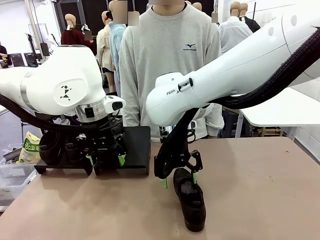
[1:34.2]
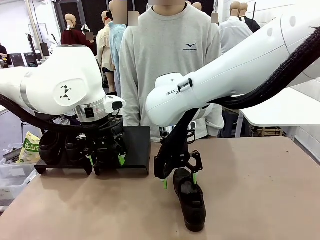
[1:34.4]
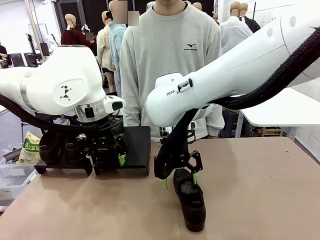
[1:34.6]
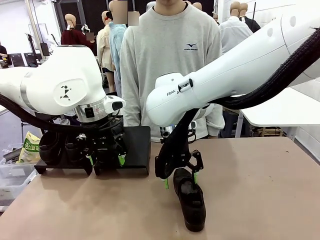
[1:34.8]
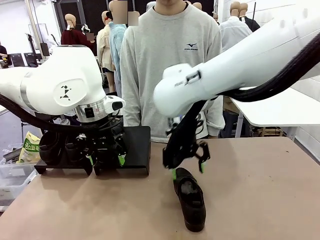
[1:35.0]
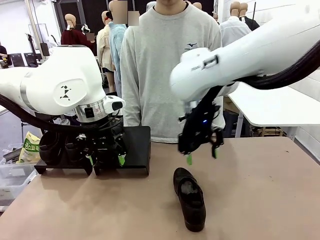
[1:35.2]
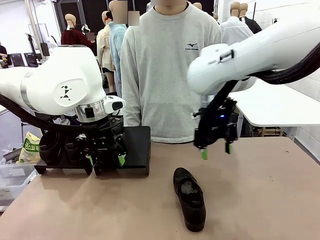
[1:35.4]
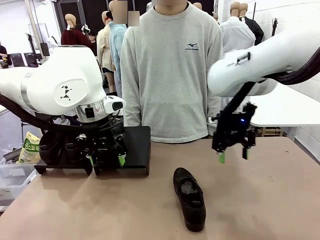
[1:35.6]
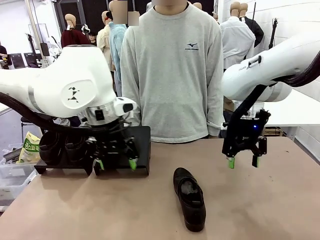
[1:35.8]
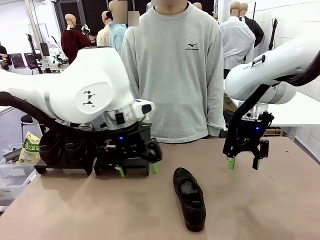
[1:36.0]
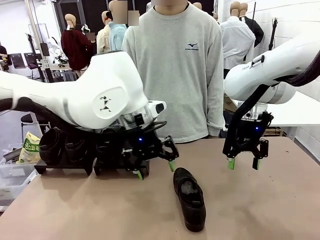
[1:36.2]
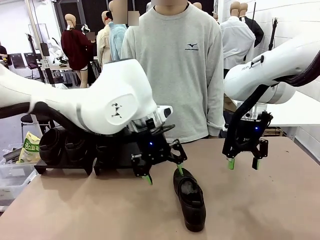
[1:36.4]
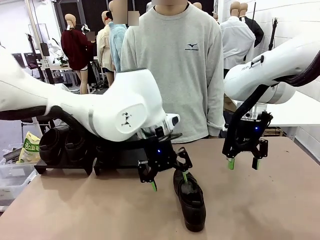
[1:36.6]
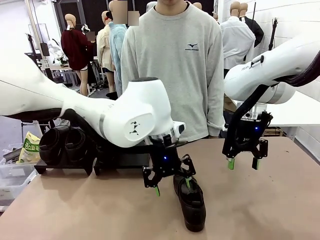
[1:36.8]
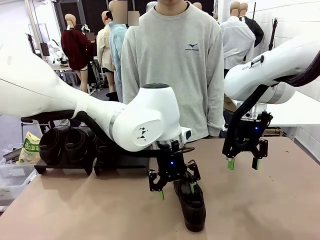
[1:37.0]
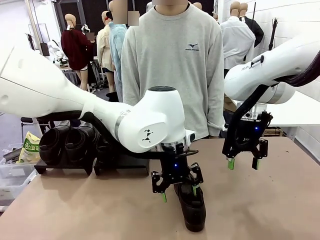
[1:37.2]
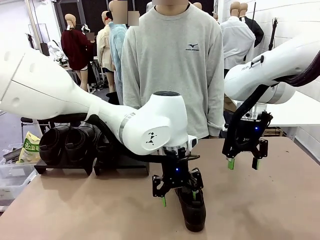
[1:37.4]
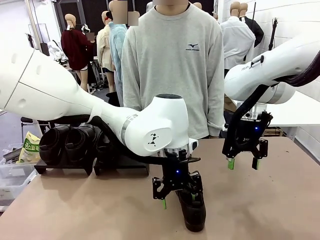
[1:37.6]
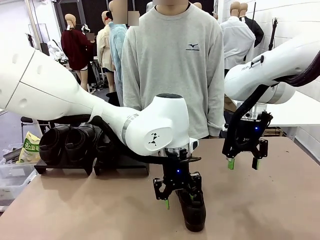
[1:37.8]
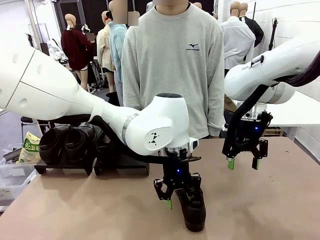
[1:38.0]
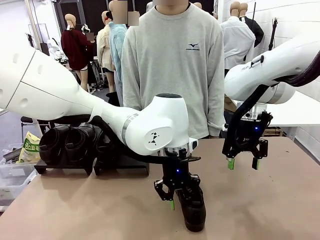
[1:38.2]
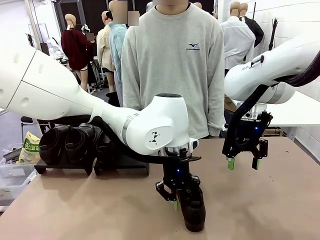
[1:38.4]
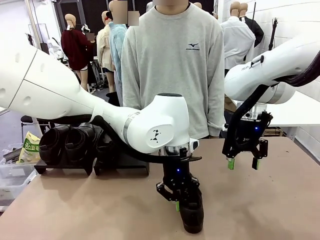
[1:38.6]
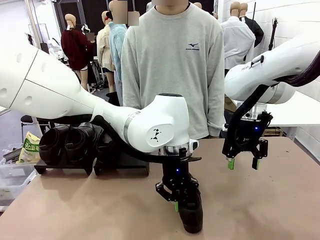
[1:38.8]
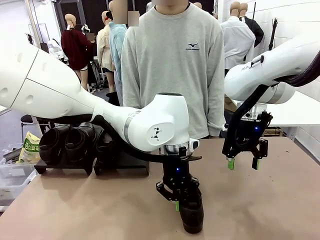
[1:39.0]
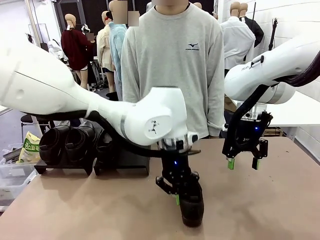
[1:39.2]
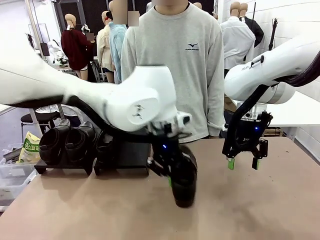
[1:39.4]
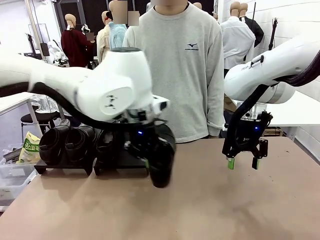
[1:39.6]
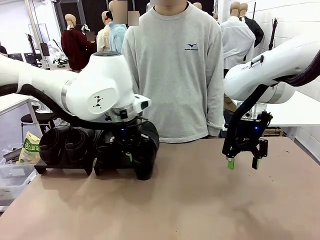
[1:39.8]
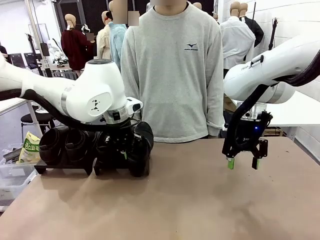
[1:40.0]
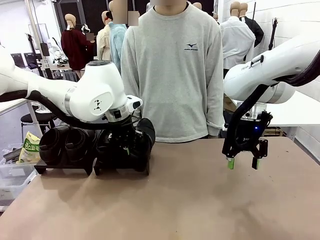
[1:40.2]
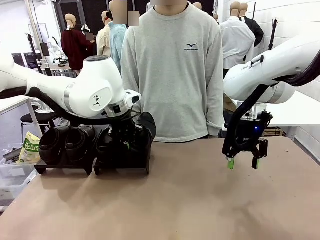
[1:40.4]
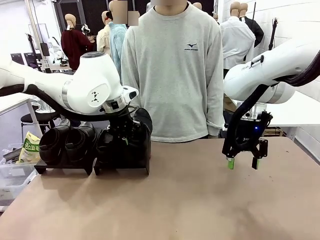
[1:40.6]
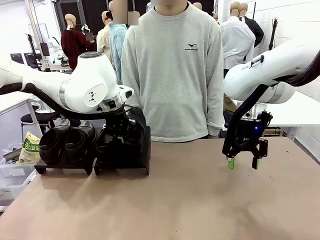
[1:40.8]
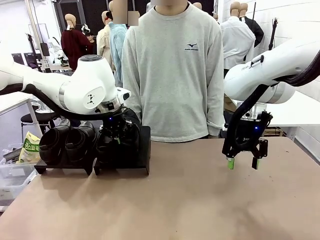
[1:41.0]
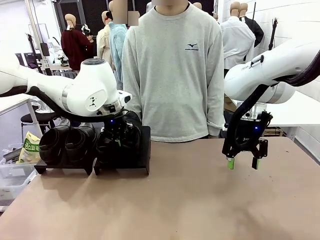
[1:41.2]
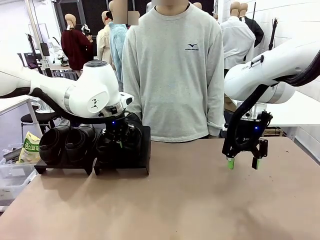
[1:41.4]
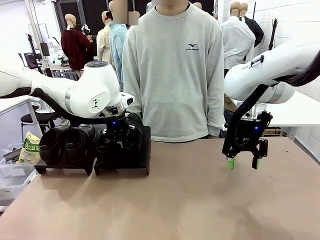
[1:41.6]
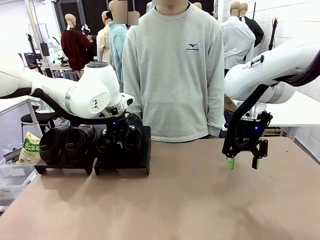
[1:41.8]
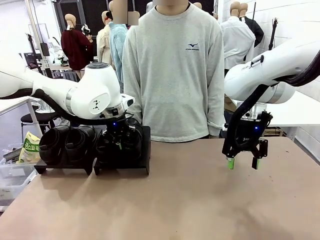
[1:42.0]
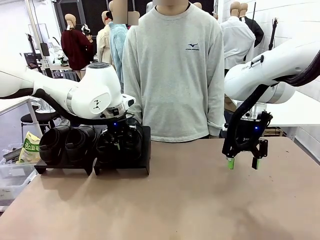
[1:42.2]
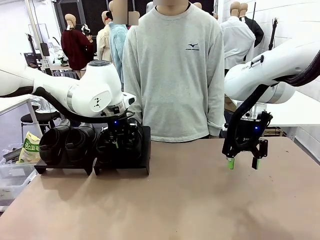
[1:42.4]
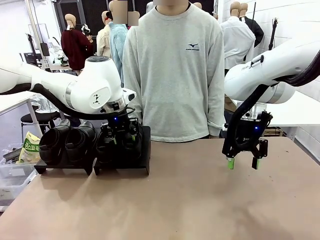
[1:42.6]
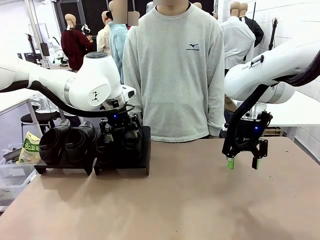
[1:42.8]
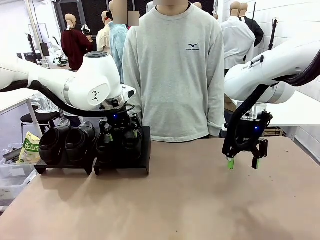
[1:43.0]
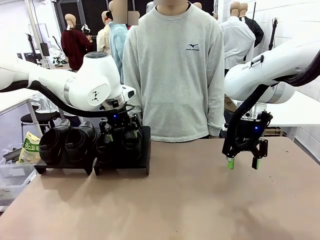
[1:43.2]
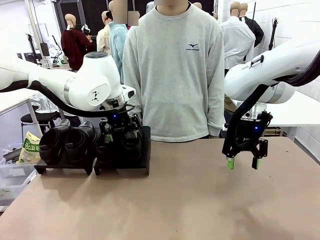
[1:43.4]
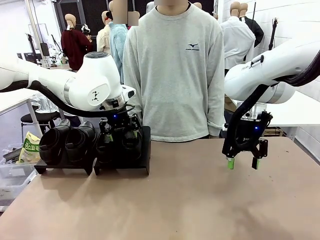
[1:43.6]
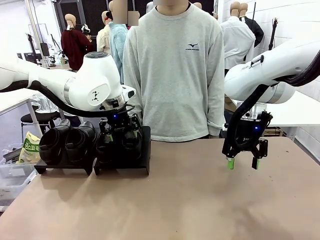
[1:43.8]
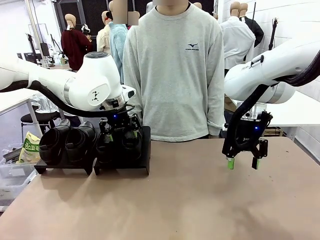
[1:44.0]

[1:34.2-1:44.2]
Task: Organize the shoes by placing them on the stand.
Robot: Place the Shoe from the middle of the table onto the Shoes Stand.

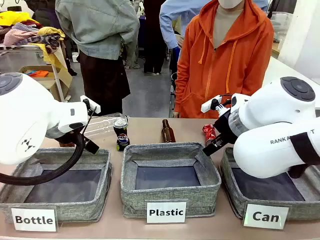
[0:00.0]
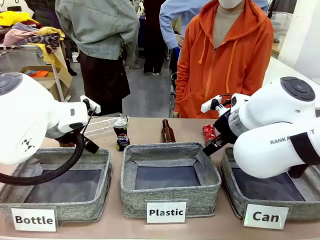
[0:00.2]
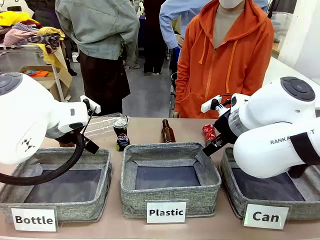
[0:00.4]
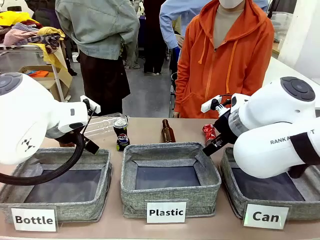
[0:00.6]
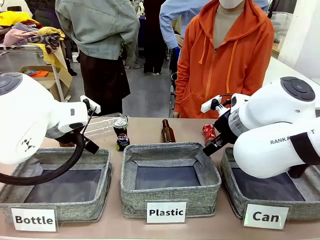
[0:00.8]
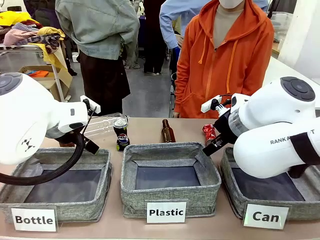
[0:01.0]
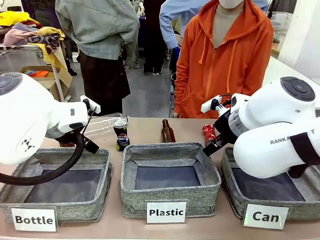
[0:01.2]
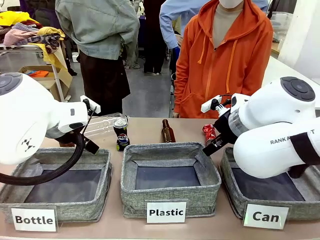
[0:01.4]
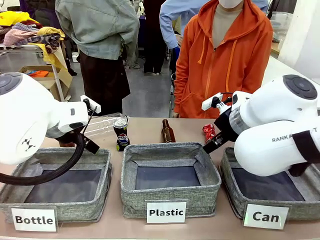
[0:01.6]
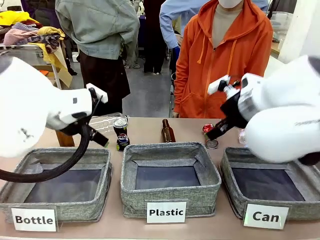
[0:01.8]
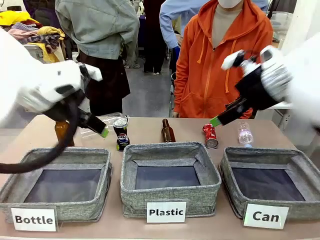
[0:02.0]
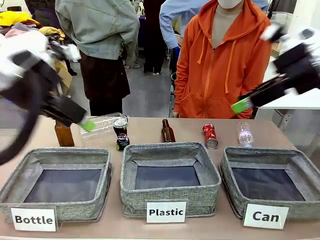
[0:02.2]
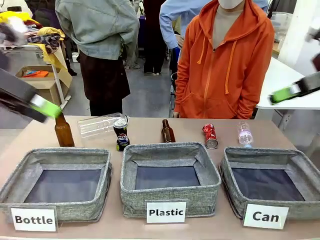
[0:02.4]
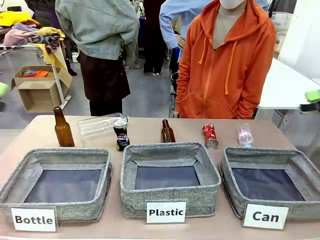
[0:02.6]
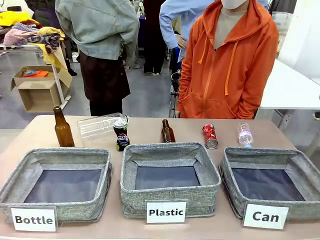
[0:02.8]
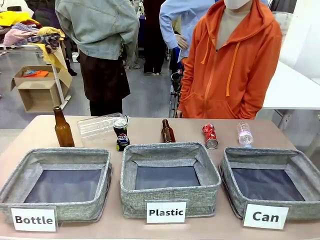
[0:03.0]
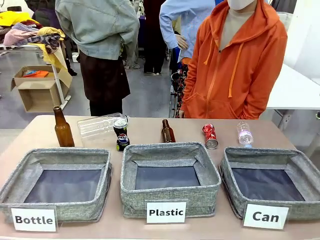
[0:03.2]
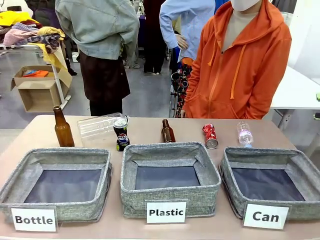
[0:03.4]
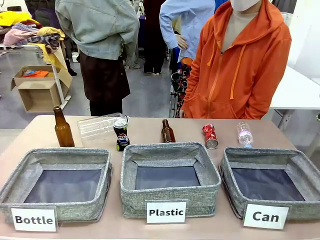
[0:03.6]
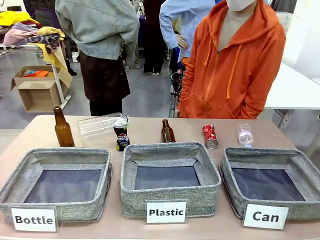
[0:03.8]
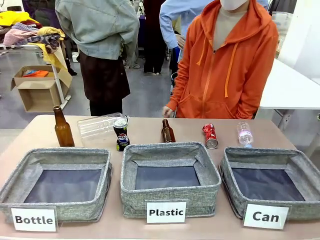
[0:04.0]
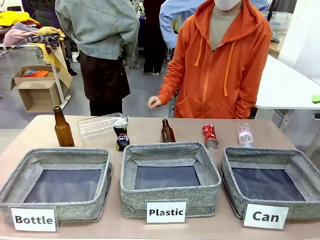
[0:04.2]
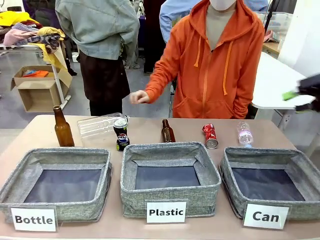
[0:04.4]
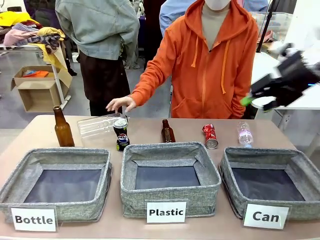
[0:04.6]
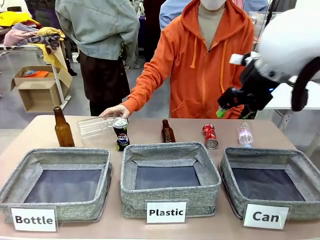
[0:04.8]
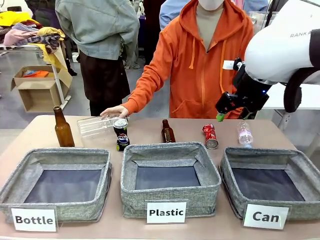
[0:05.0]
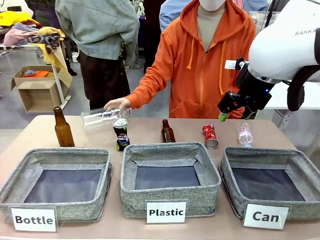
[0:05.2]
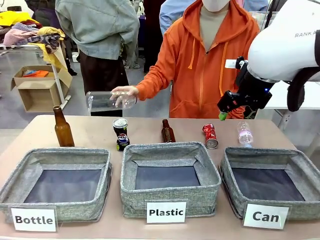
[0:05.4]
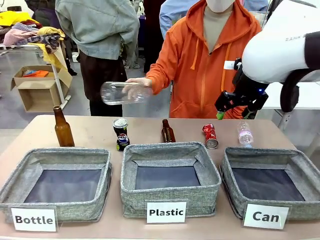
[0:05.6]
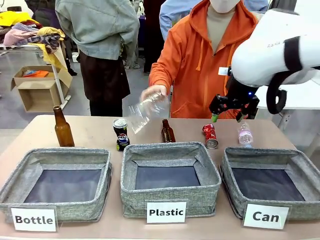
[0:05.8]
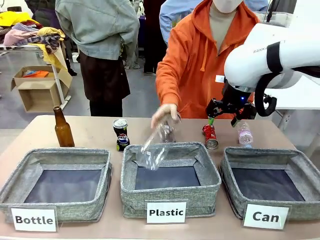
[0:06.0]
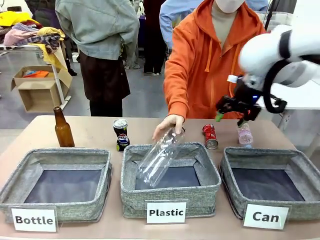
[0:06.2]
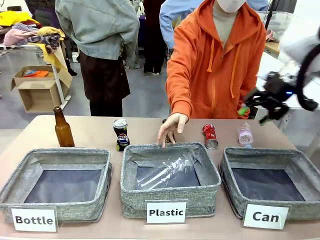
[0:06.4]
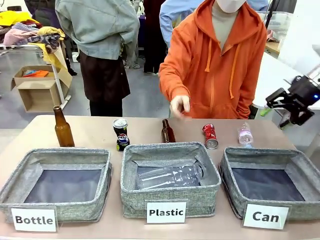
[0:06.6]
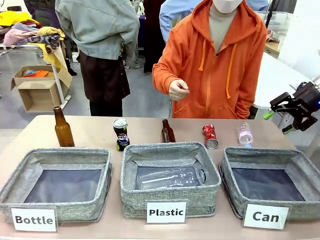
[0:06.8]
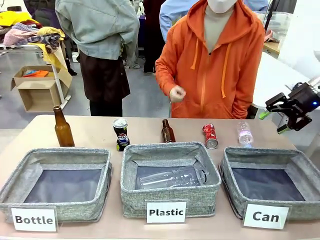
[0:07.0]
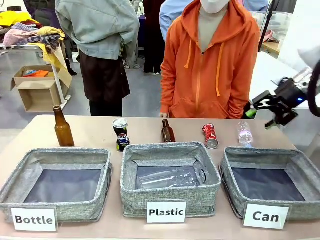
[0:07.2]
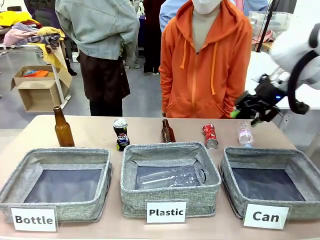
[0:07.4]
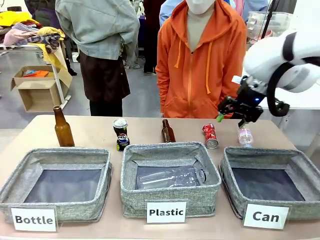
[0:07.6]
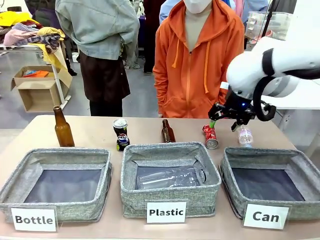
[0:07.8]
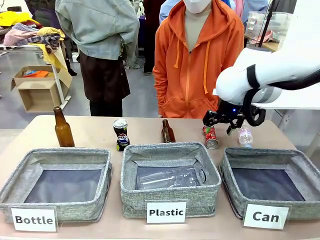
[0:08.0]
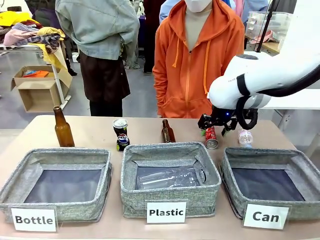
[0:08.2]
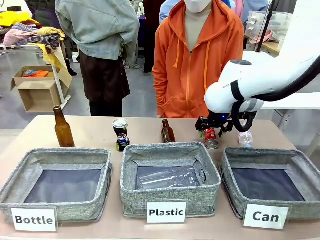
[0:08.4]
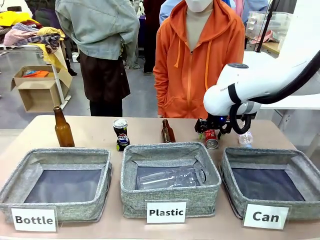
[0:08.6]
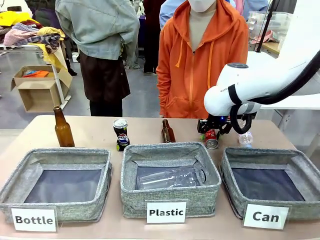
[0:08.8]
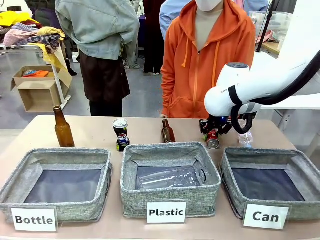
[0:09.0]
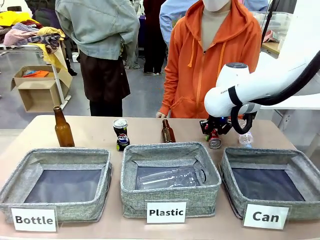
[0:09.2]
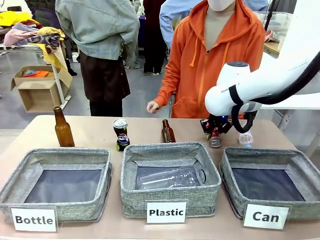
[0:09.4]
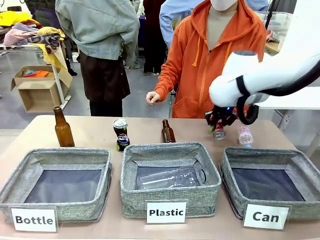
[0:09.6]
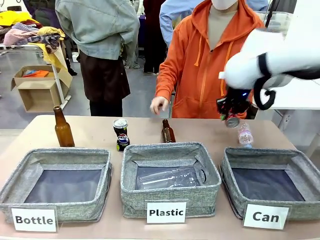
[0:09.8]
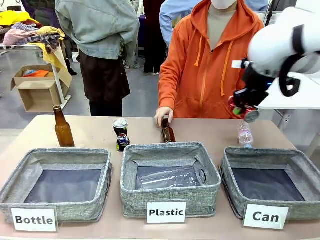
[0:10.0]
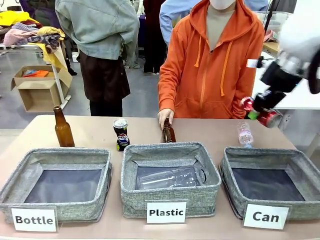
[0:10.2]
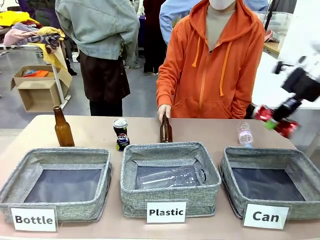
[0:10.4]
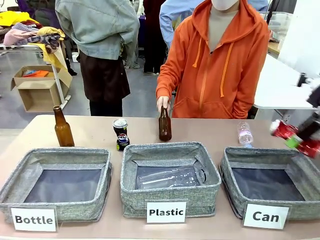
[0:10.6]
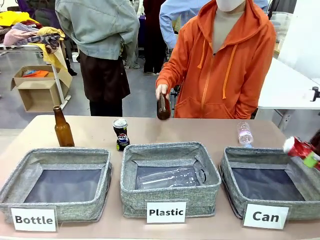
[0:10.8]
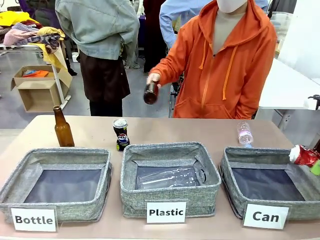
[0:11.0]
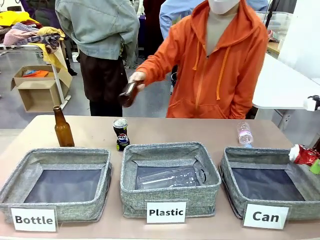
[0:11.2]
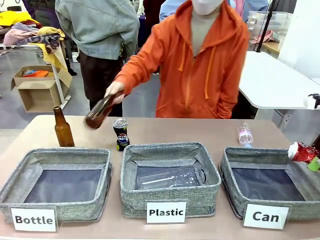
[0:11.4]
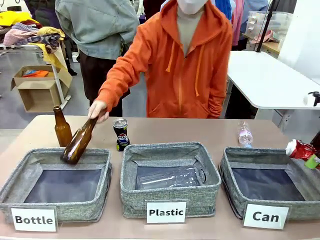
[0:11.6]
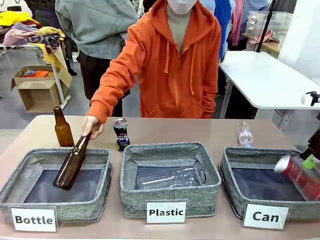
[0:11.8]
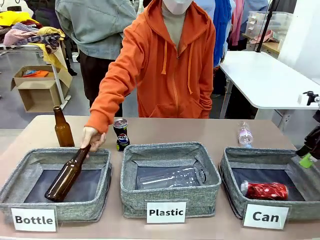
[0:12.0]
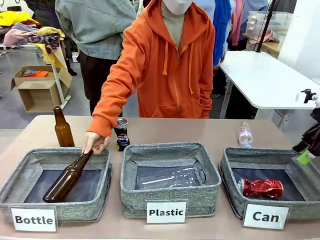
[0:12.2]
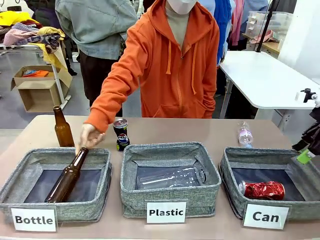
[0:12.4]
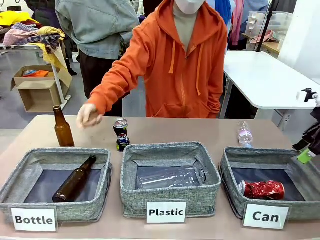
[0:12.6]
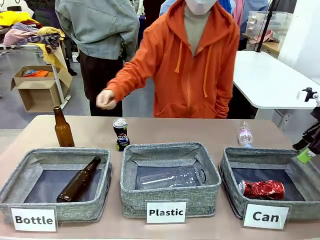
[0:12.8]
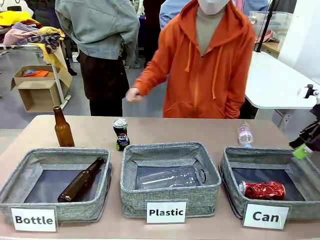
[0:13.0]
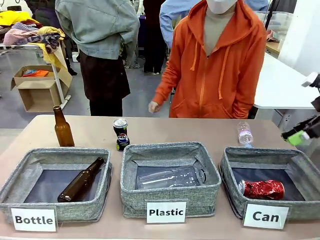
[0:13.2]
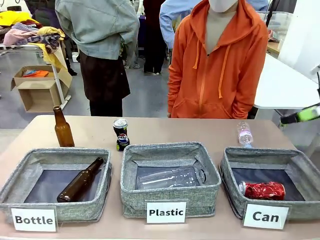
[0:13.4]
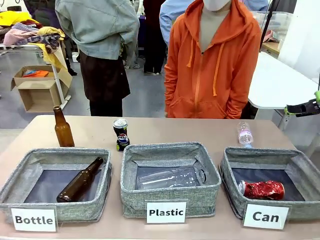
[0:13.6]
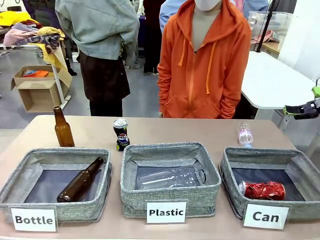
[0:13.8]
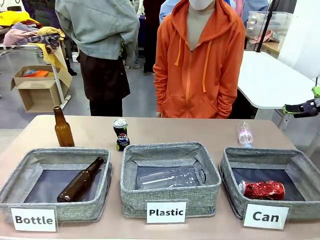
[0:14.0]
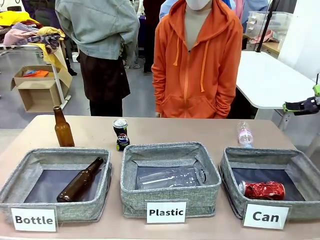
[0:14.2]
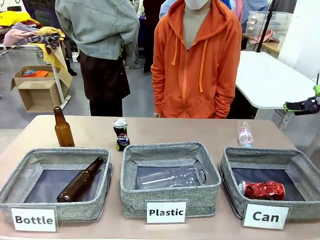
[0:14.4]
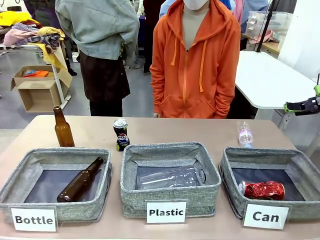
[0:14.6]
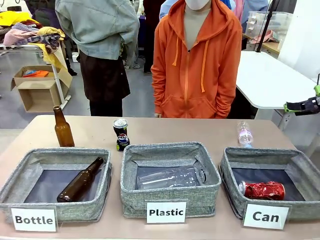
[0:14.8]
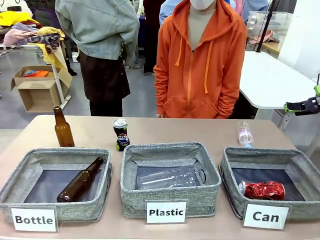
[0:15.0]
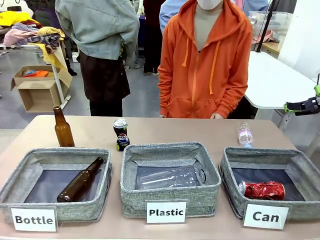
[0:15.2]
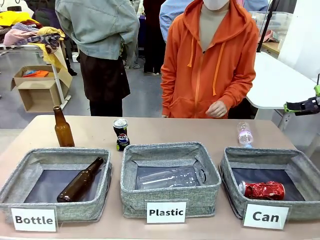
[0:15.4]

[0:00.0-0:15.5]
Task: Sort the can waste into the basket.
Robot: Pick up the can waste from the table and place it in the right Fabric basket.
